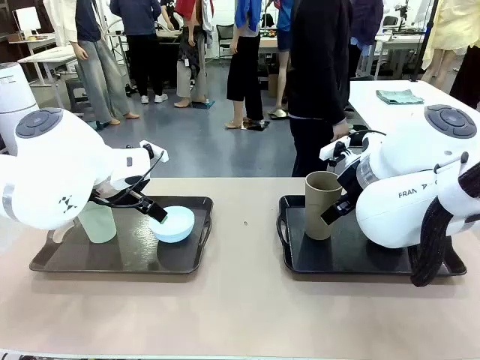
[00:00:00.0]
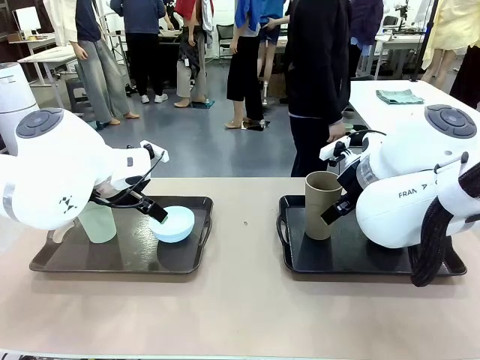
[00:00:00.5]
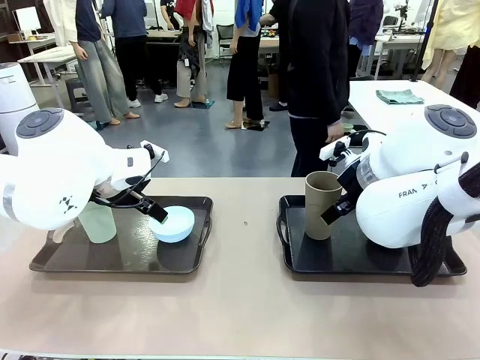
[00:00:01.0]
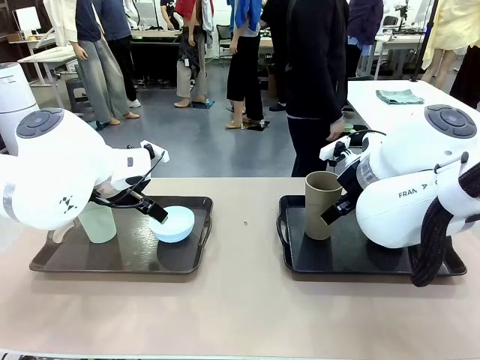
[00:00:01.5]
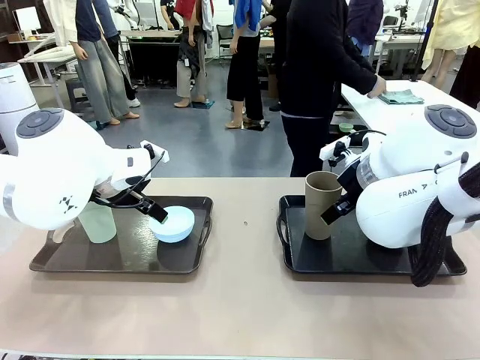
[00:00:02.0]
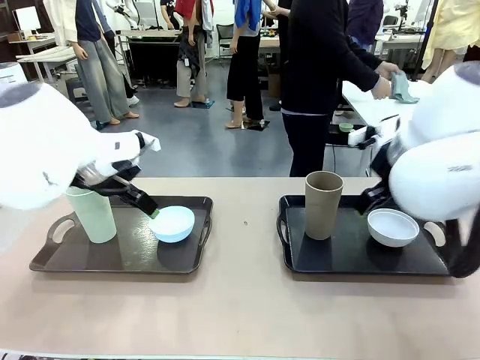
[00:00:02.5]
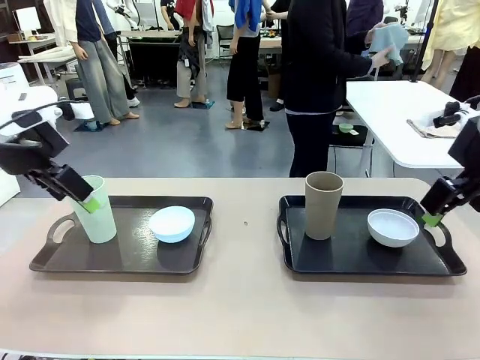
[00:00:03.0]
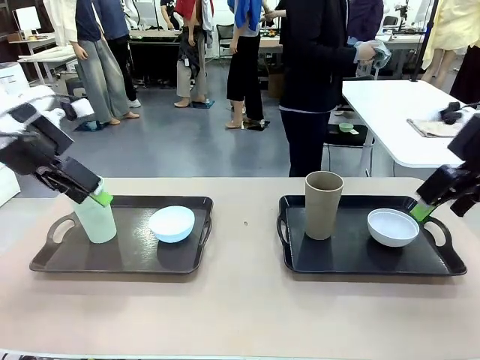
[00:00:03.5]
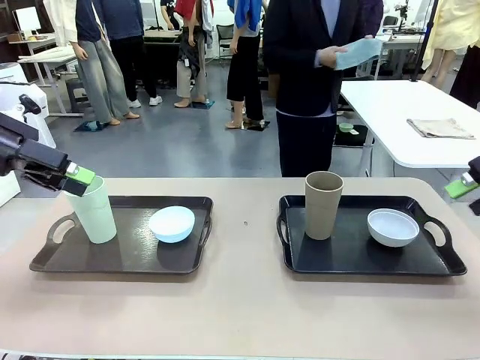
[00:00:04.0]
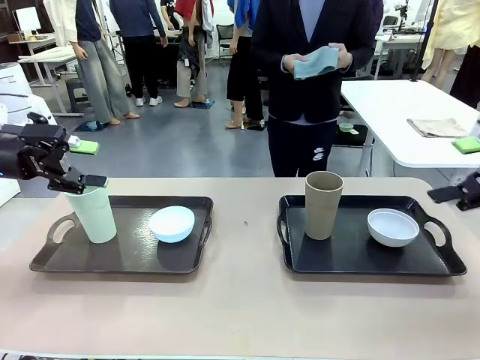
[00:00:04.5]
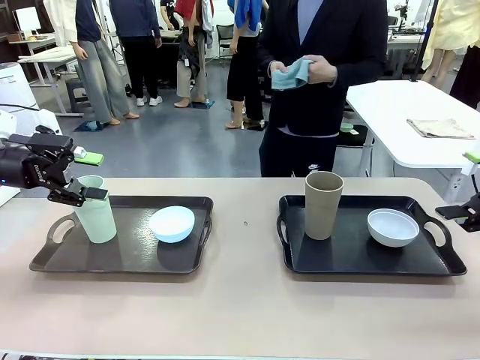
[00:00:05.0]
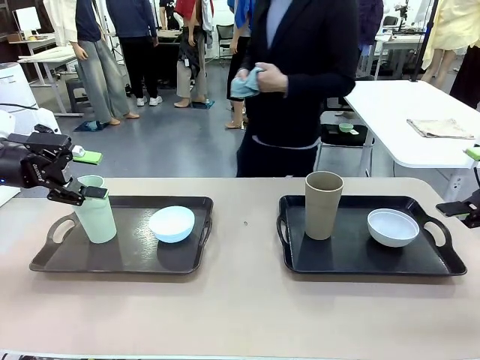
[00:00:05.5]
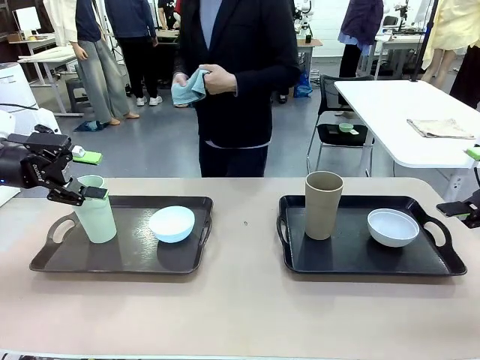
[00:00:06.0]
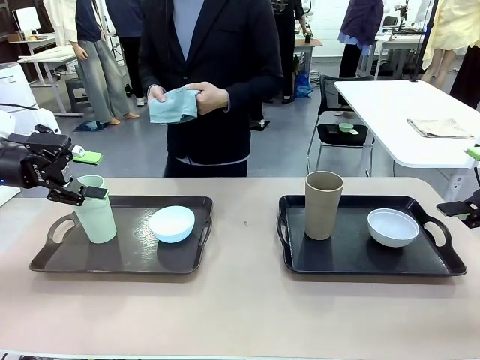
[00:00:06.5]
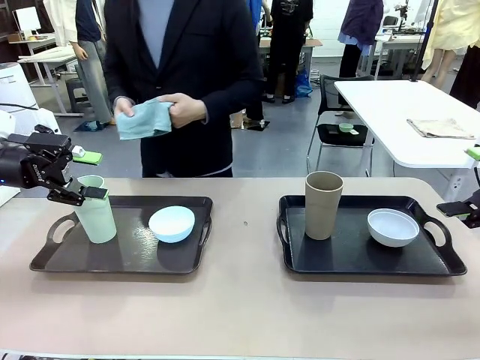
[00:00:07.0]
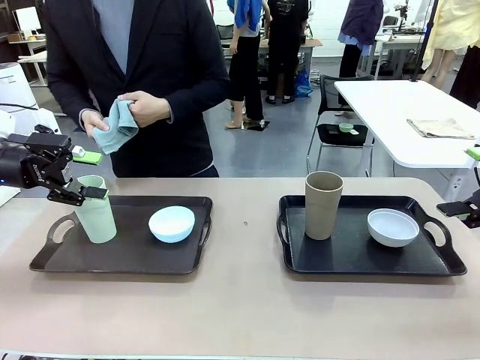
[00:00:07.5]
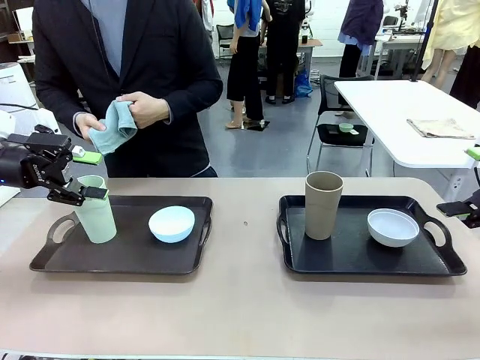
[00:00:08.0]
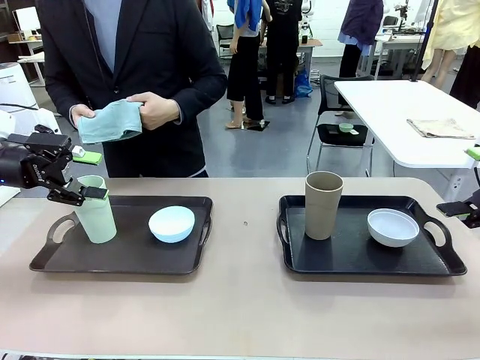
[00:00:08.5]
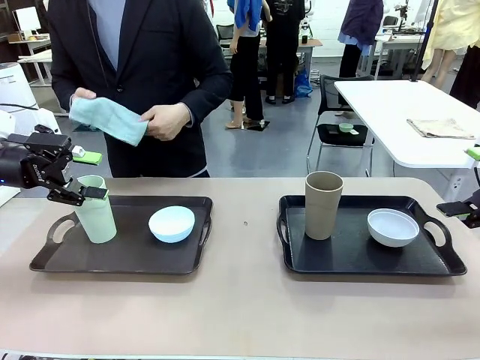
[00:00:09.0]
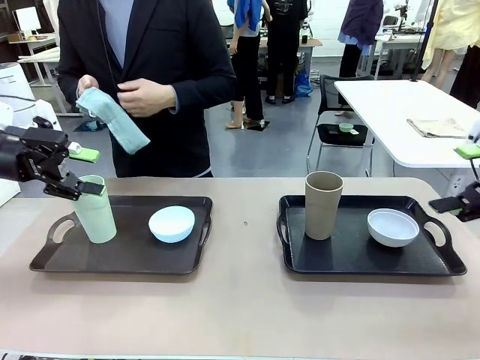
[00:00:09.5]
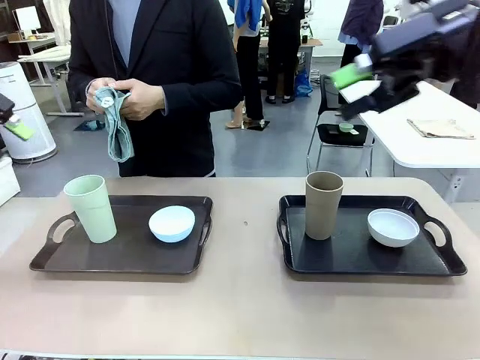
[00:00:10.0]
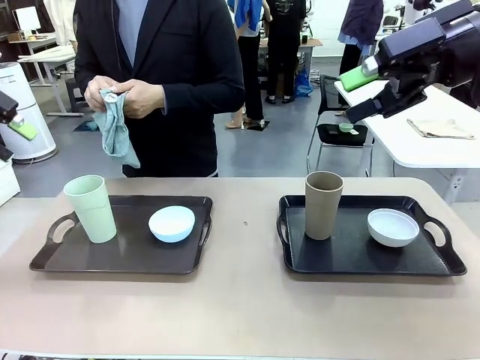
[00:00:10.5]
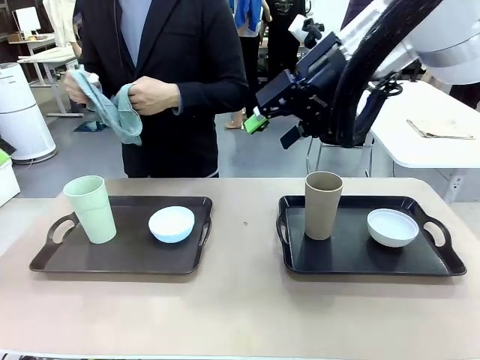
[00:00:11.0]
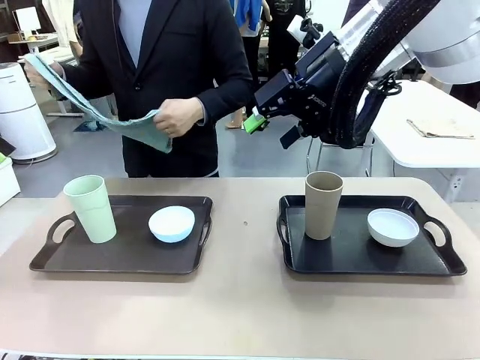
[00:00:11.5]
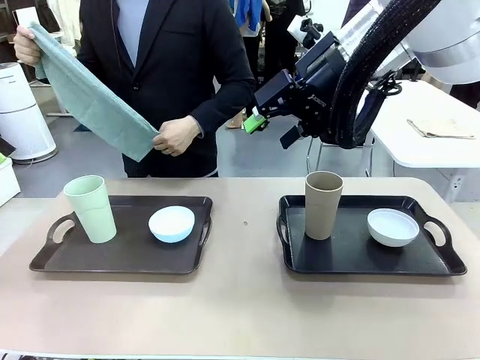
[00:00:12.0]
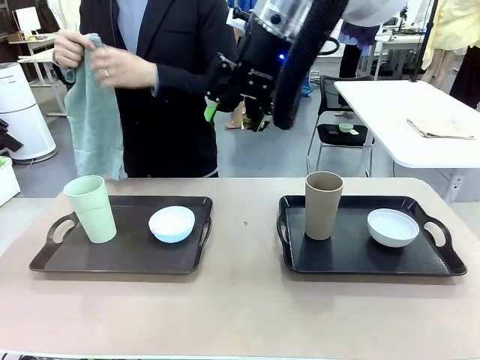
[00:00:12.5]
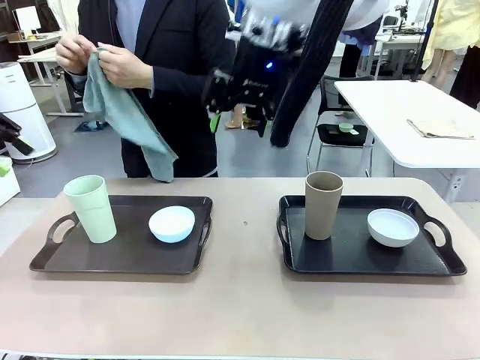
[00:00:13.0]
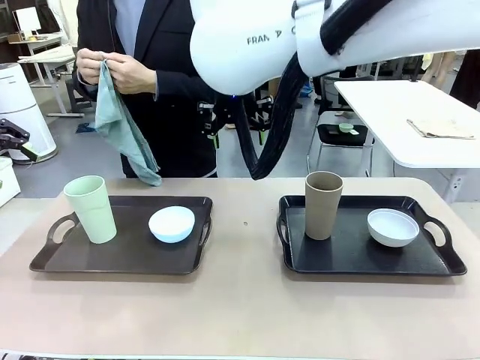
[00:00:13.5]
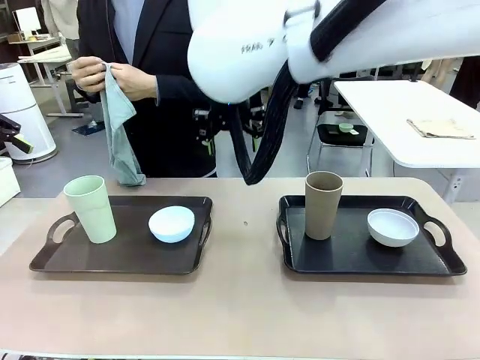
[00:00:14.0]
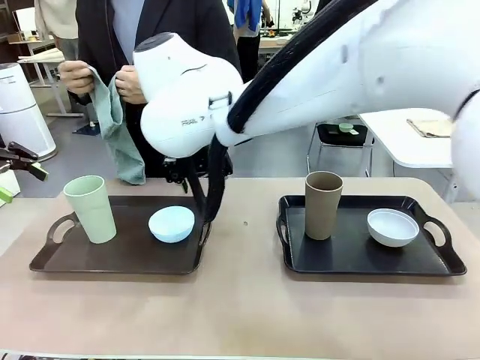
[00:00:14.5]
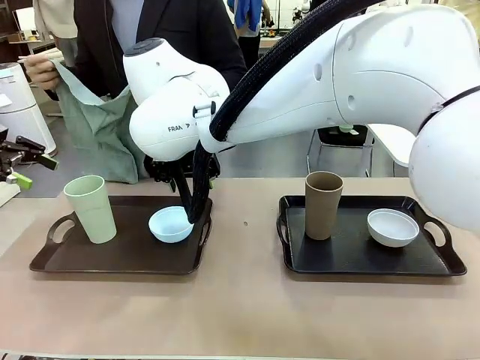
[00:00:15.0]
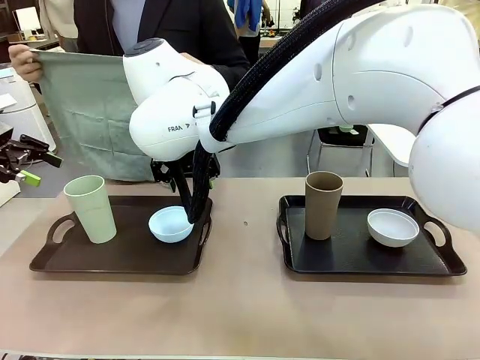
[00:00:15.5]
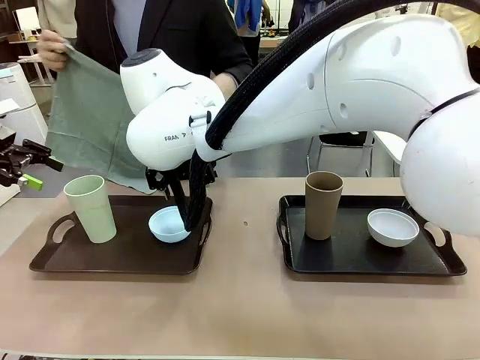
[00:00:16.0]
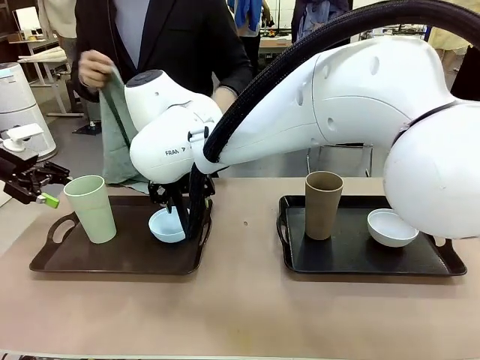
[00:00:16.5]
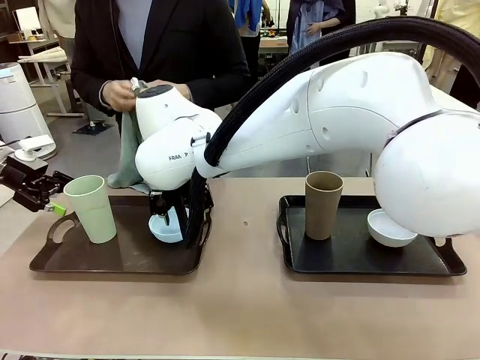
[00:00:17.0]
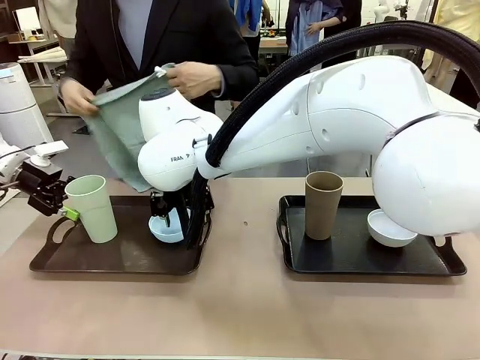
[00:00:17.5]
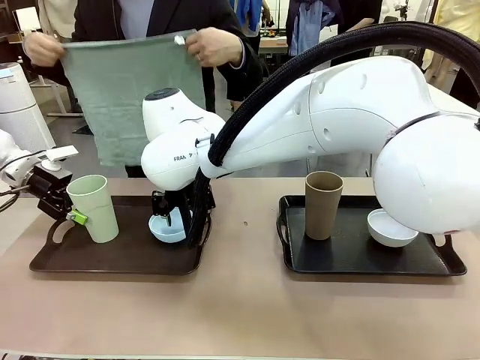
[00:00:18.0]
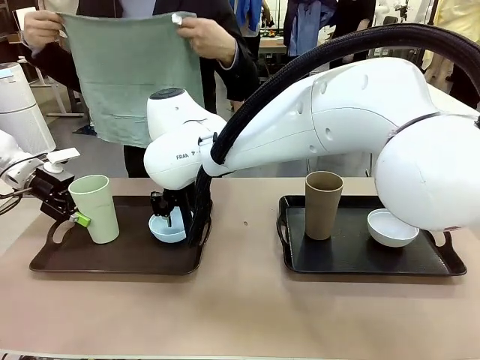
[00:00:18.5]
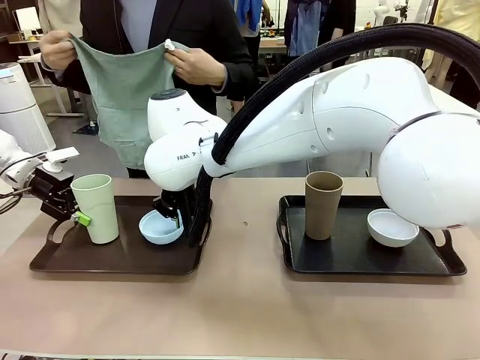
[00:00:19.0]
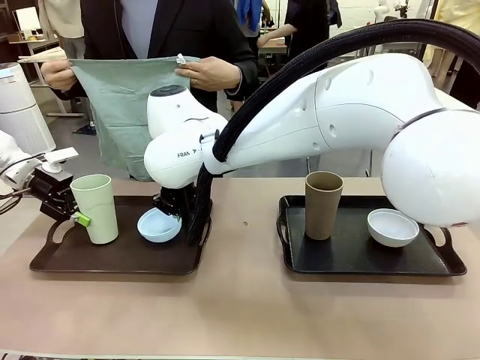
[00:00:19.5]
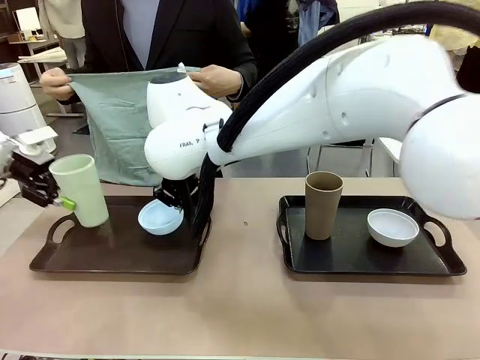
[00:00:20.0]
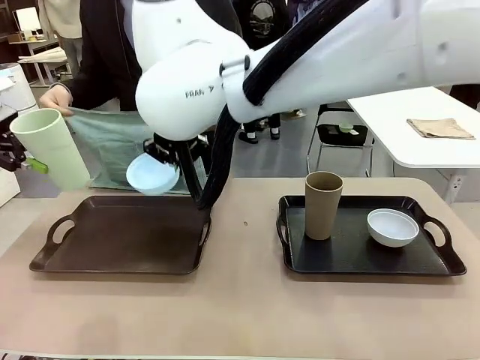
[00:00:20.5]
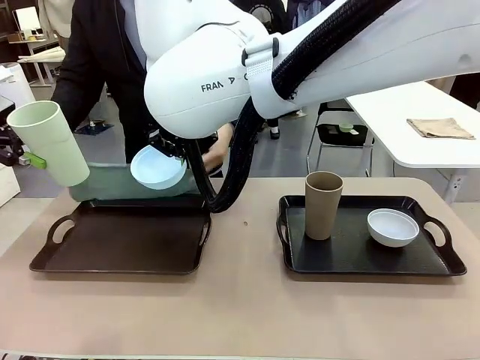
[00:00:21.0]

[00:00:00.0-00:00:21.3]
Robot: Pick up the Picnic Bowl and Reusable plastic cup from the Handle tray in front of the human's position and hold them in the air.
Person: The human picks up the top napkin from the stack on the human table and walks to the robot table to stand in front of one of the two trays. When the robot lifts the bowl and the cup, the human unfolds the napkin and lays the napkin flat on the tray.

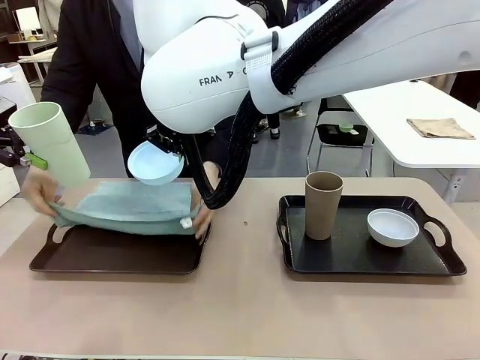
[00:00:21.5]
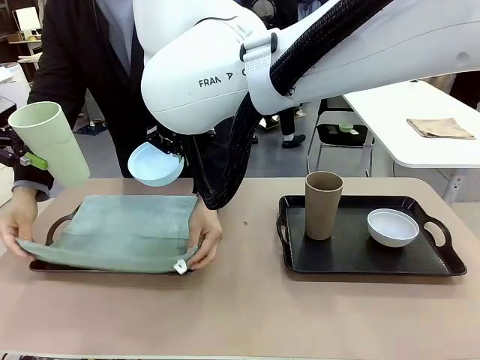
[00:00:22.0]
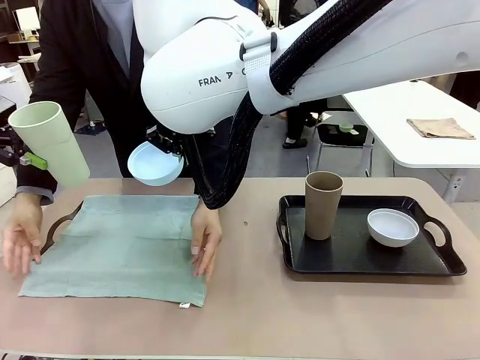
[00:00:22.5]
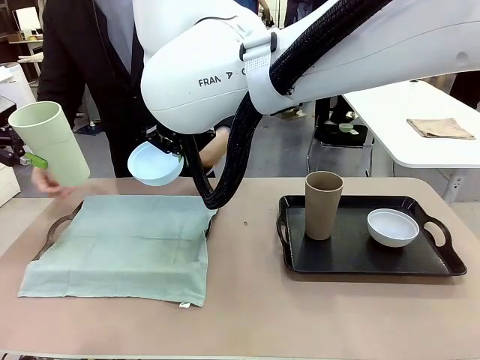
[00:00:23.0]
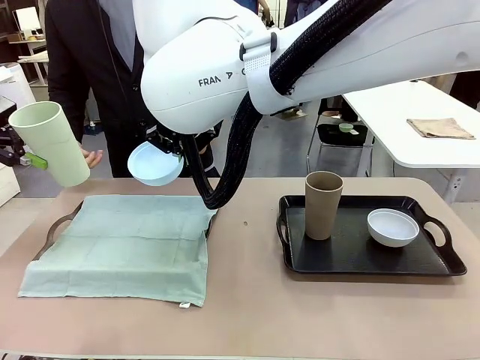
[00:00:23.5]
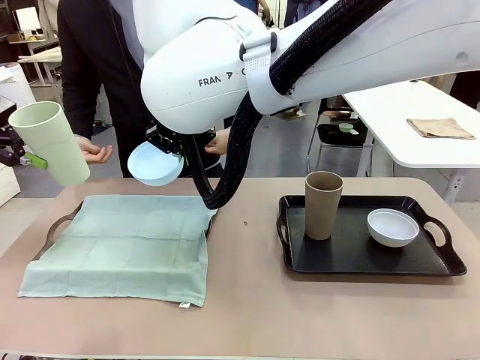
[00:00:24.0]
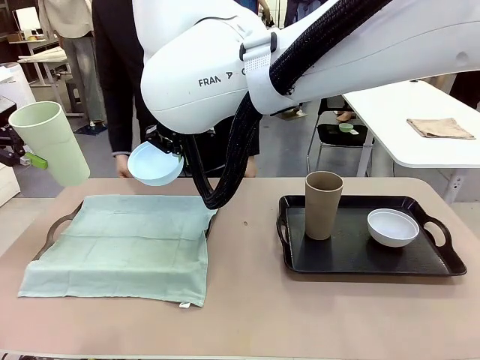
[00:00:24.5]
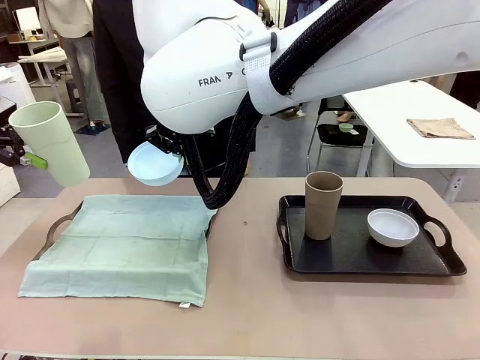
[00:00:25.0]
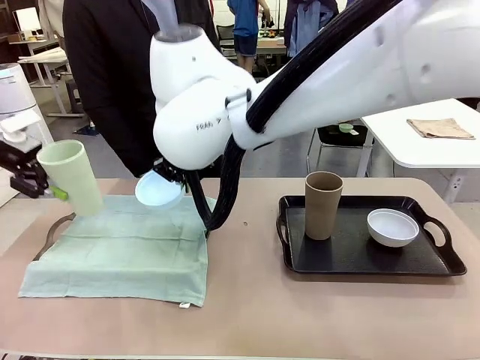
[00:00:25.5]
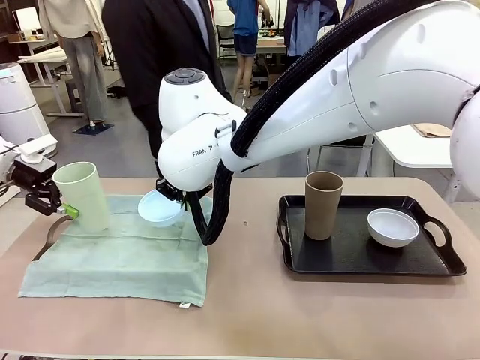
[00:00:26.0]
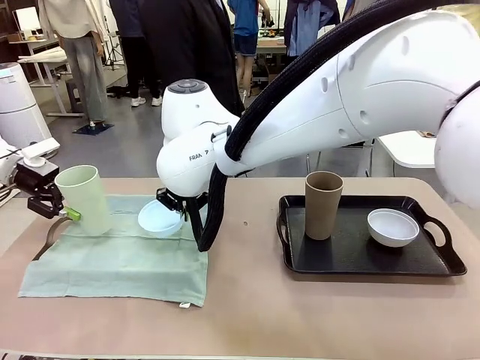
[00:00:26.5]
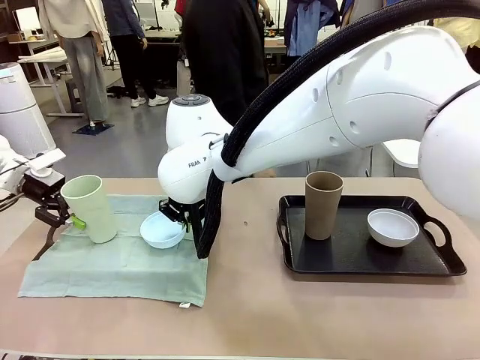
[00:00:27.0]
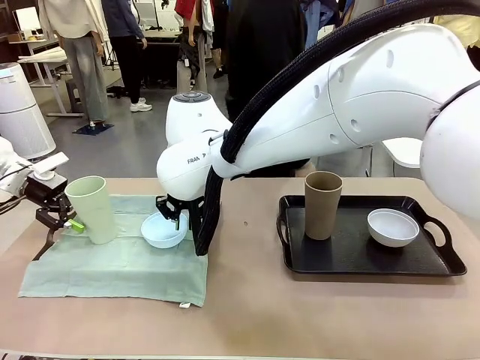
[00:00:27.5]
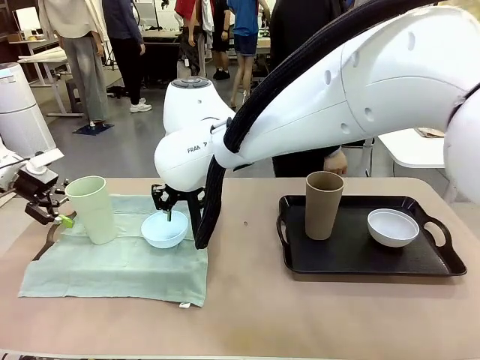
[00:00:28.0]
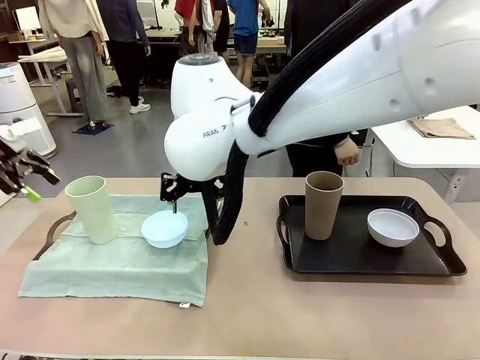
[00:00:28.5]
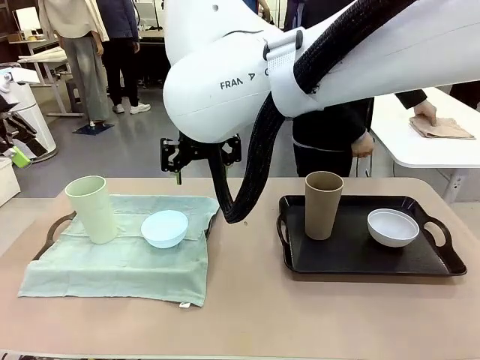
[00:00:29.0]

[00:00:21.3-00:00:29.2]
Robot: Place the Picnic Bowl and Reusable plastic cup back onto the Handle tray in front of the human's position.
Person: The human returns to the human table to pick up another napkin and walks to the robot table to stand in front of the tray without a napkin.
